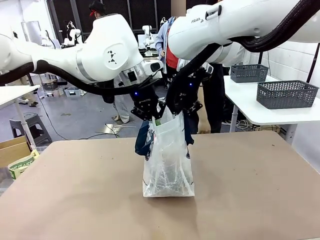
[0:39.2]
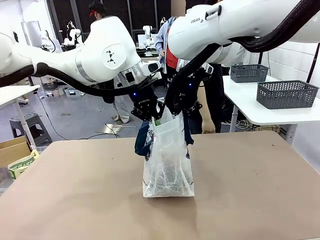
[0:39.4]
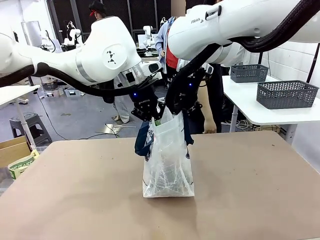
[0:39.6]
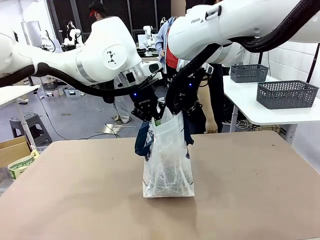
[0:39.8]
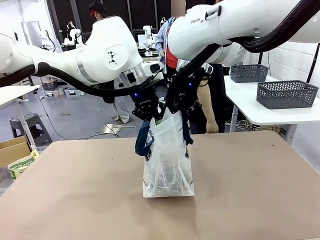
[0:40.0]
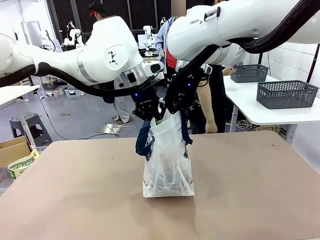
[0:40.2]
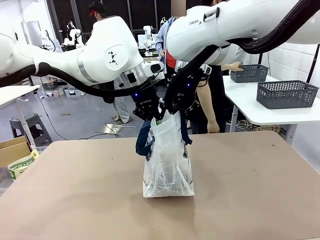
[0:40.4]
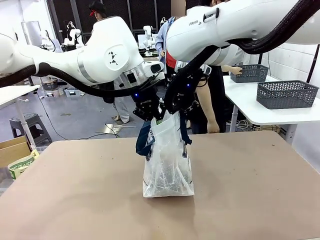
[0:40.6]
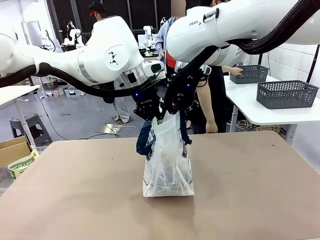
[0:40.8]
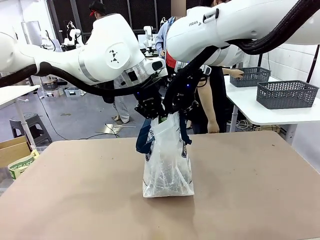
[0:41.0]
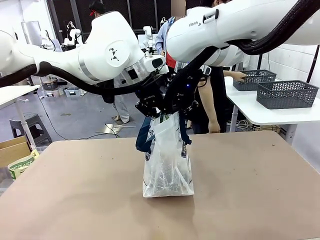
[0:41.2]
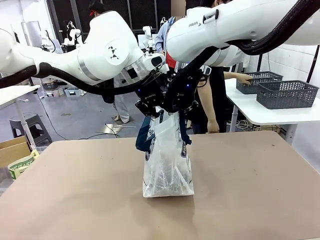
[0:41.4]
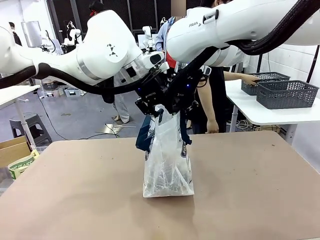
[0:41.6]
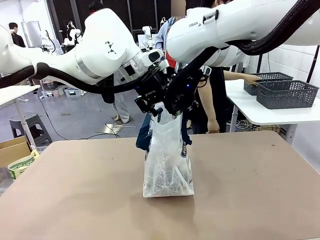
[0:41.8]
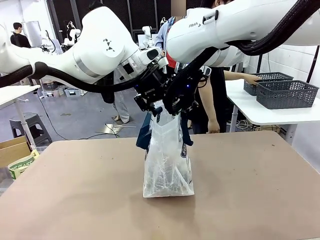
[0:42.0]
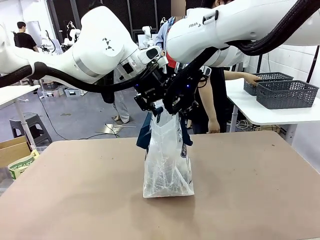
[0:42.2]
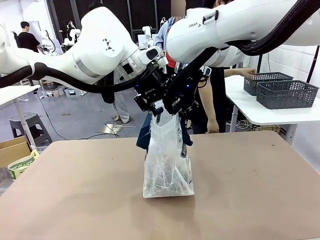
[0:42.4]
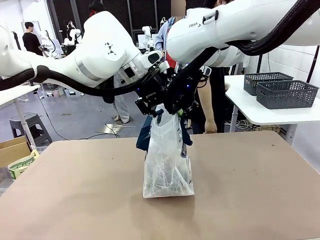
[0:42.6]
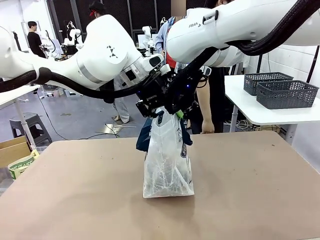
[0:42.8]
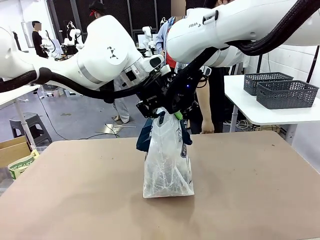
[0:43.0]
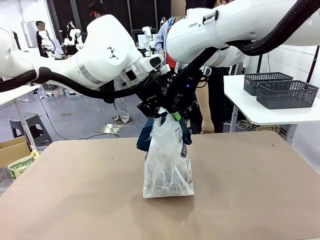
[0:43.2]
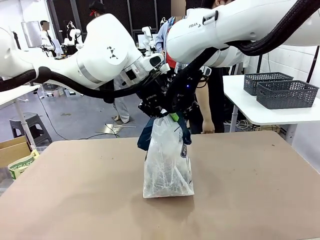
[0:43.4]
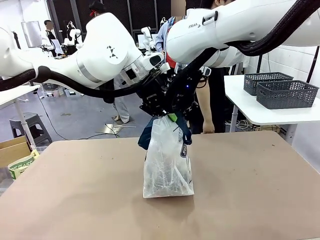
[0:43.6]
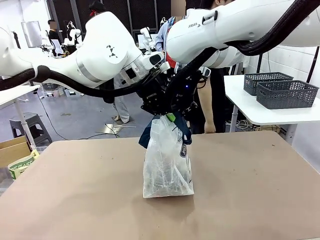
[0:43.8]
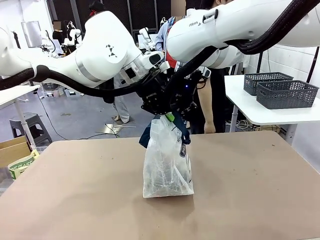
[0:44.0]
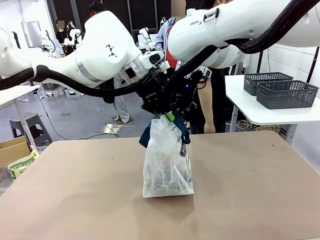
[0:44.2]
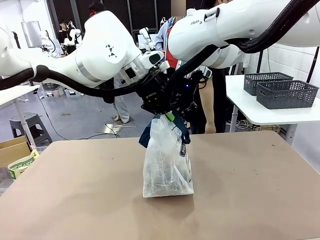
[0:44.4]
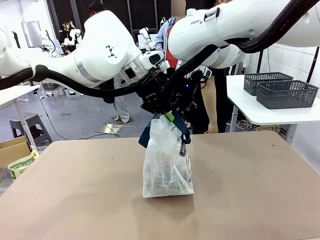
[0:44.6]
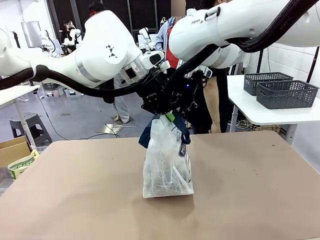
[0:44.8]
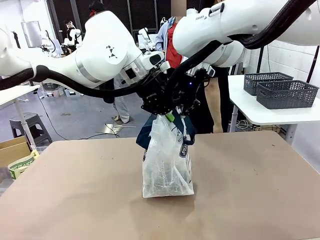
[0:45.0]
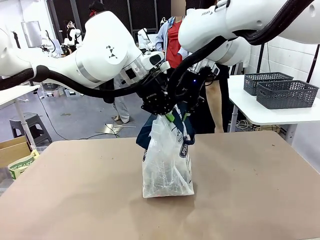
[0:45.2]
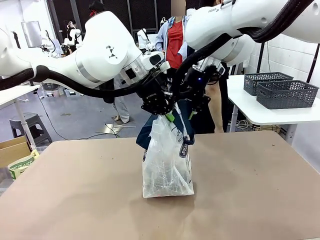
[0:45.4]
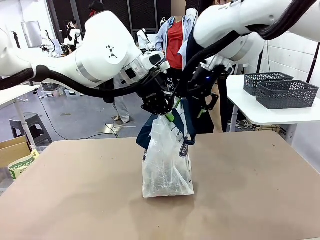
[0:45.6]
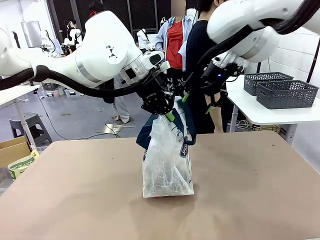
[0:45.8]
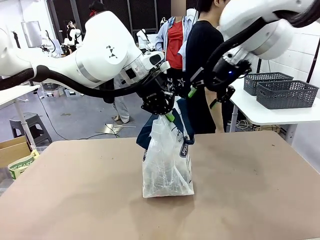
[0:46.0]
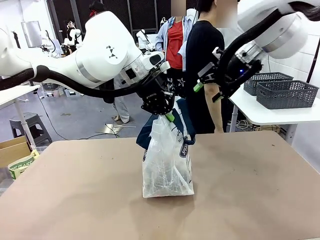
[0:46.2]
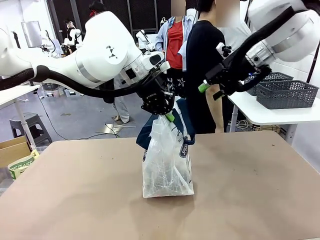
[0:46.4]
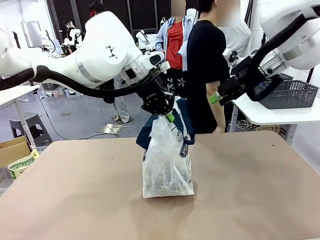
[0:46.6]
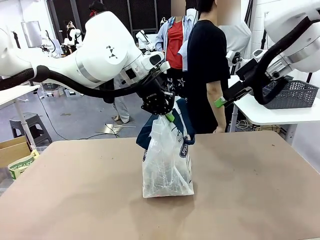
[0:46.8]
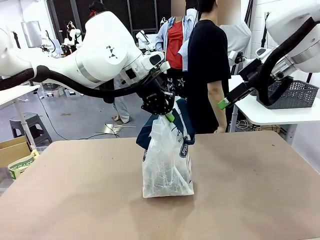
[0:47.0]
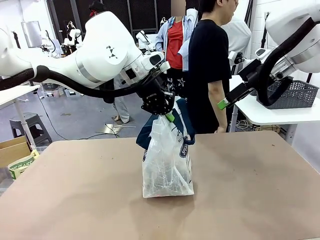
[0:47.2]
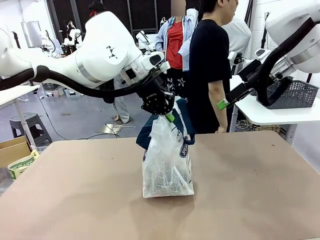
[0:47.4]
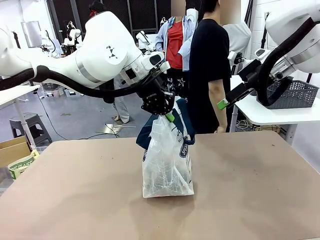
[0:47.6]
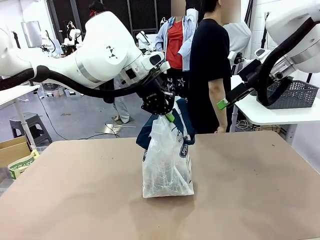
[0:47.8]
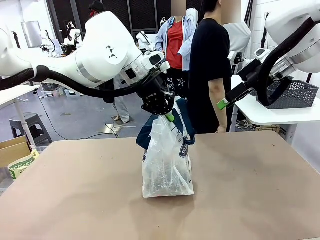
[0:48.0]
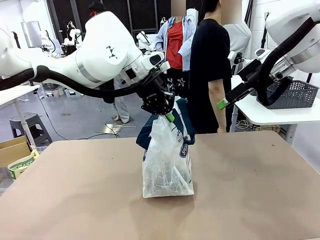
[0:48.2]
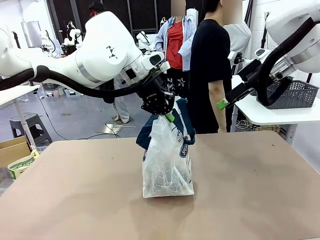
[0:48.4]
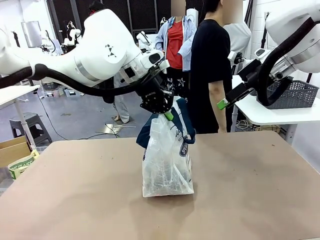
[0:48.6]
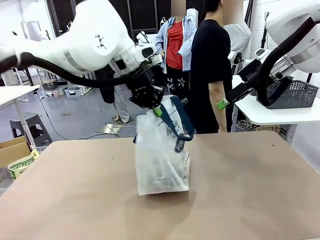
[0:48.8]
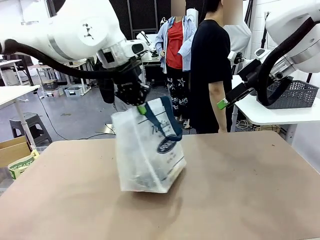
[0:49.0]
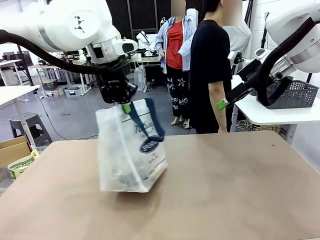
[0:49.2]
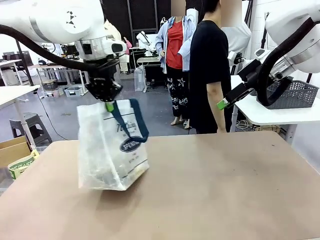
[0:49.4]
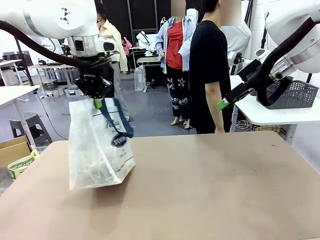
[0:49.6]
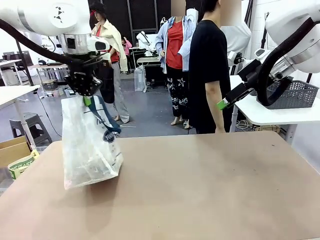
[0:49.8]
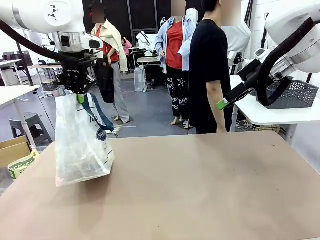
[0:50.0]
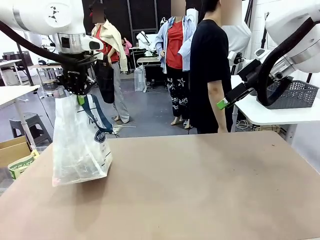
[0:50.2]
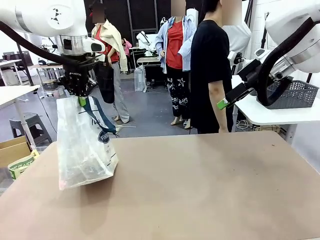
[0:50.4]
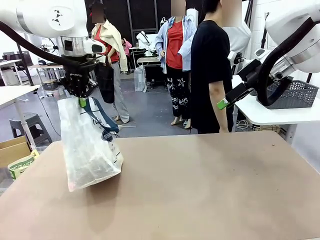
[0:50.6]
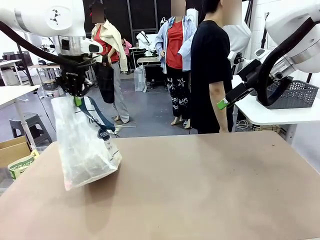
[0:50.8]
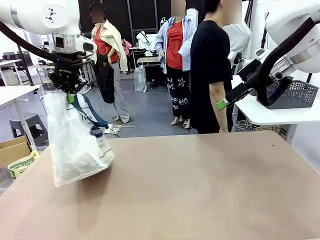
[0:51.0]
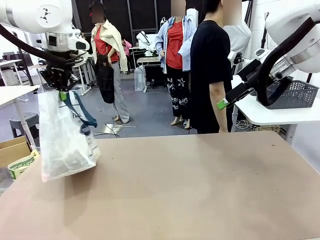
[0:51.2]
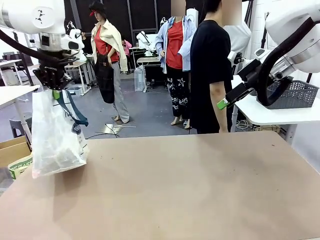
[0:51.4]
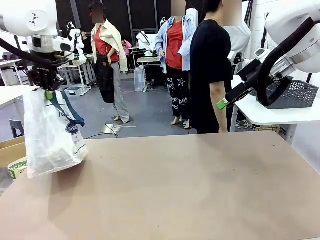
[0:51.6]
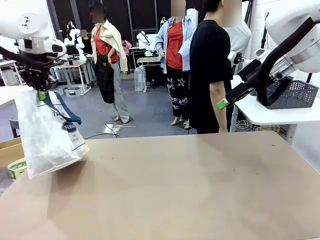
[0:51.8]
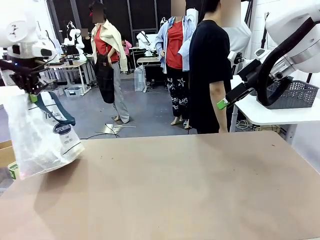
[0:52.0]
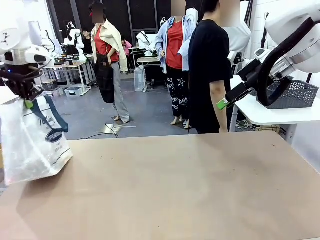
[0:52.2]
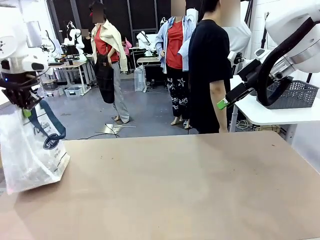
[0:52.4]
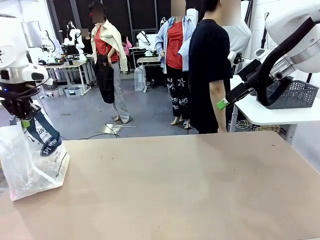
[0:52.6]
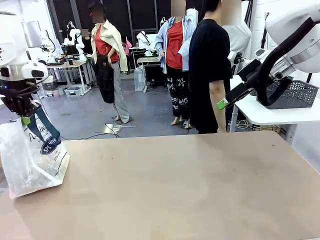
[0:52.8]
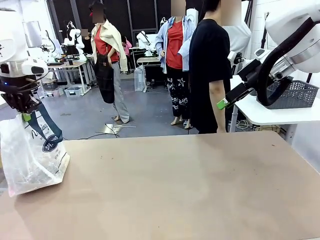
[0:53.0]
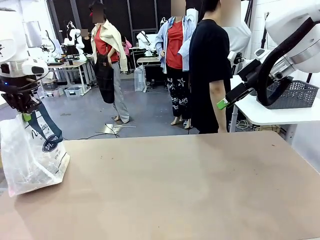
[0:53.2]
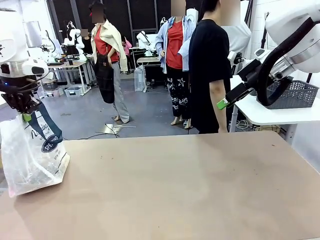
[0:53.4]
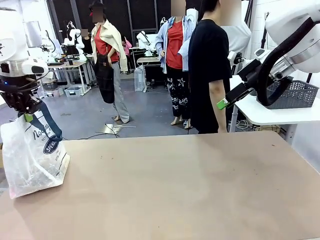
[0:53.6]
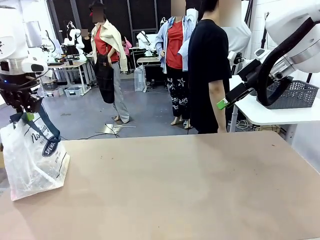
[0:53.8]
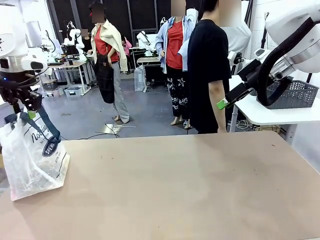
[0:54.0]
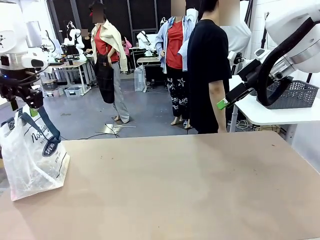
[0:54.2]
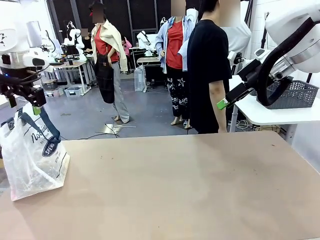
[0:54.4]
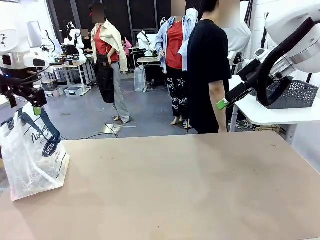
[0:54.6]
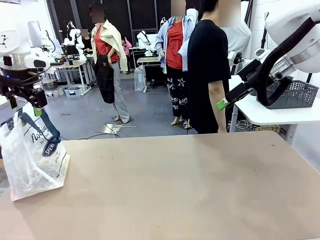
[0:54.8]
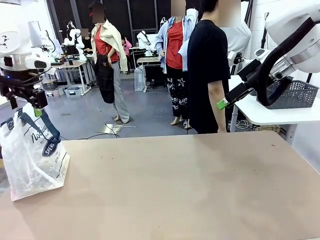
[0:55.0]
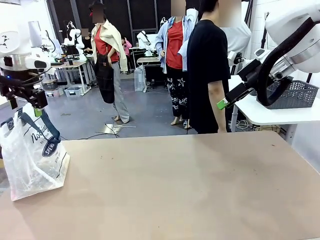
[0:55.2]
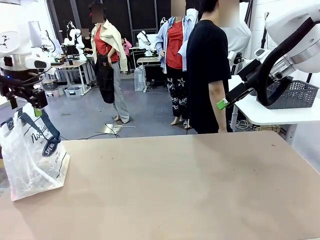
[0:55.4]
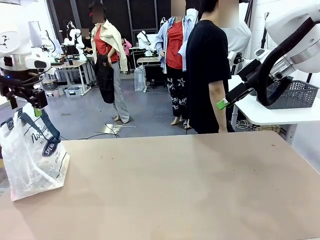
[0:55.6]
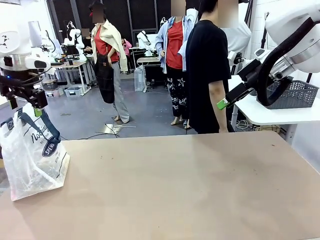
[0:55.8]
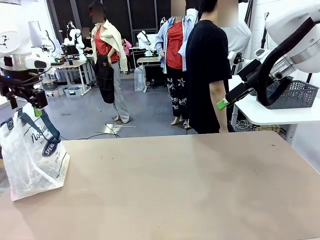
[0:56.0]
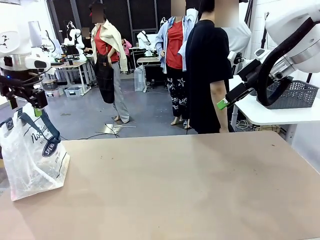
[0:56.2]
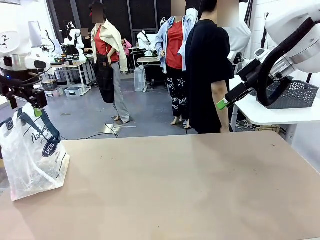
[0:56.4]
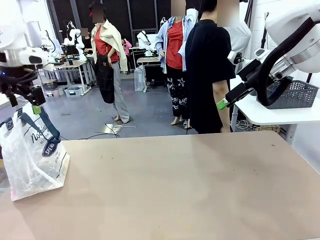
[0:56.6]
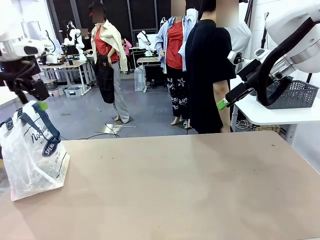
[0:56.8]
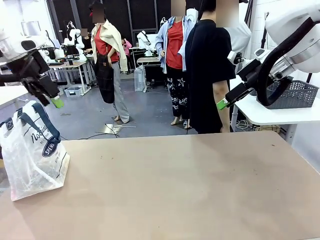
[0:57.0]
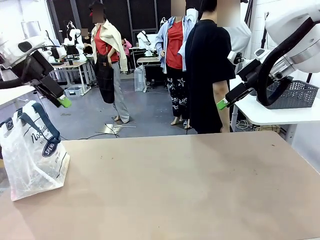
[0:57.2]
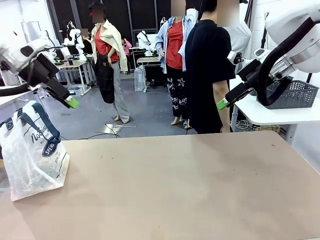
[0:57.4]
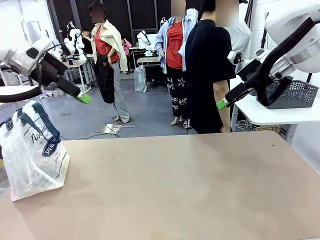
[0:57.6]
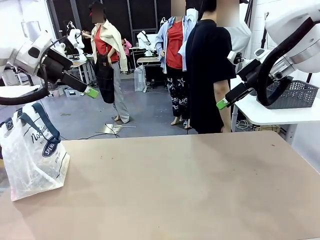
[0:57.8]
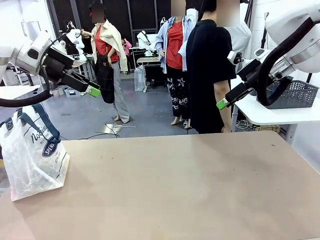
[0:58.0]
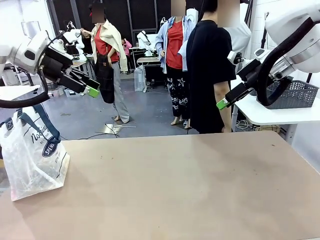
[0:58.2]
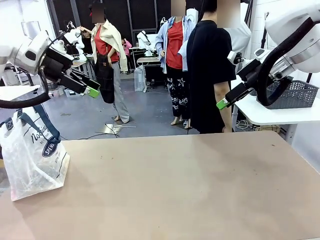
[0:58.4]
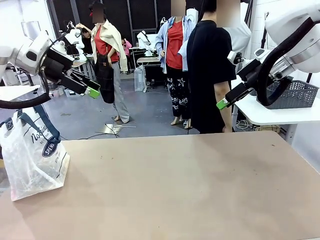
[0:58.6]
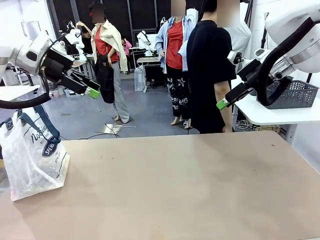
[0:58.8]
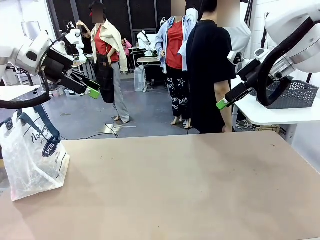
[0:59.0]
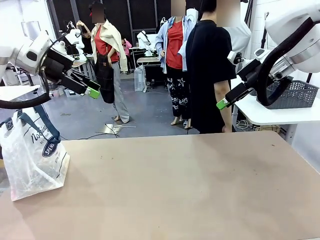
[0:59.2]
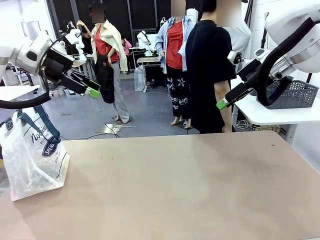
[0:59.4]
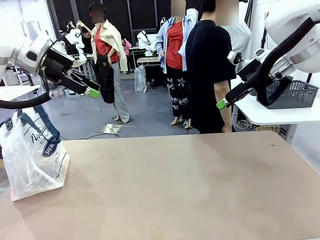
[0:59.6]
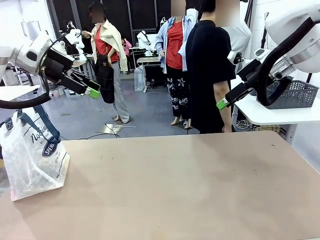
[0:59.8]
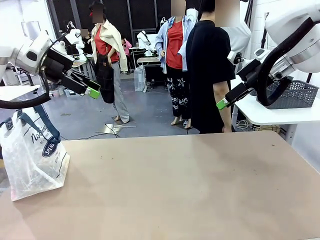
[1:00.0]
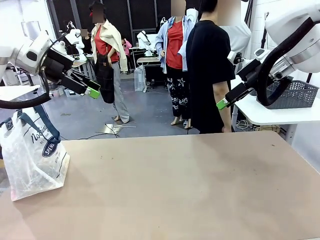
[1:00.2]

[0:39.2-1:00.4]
Task: Transfer purchased items from the store into the shopping bag.
Robot: Move the Reusable shopping bag to the right side of the table.
Person: Move the basket on the left to the middle of the person's table.
